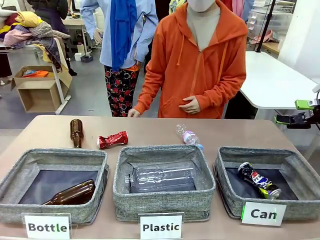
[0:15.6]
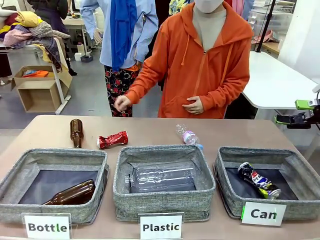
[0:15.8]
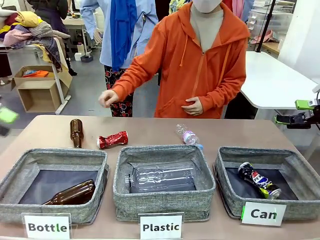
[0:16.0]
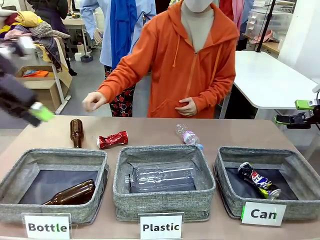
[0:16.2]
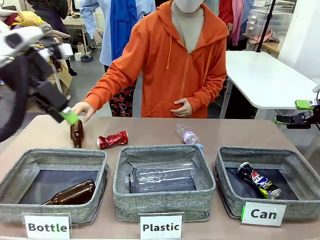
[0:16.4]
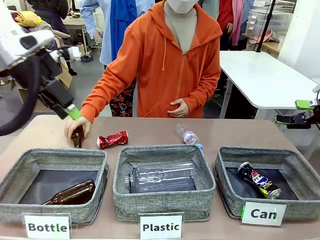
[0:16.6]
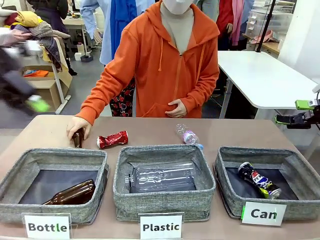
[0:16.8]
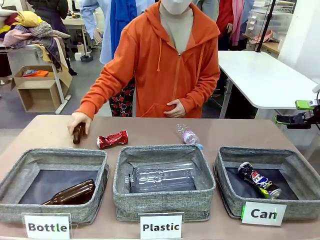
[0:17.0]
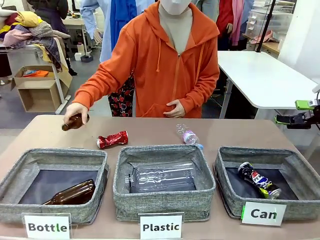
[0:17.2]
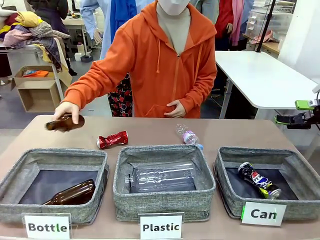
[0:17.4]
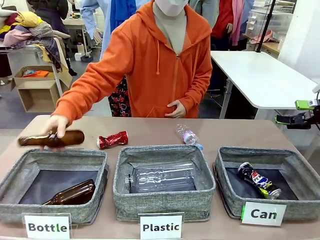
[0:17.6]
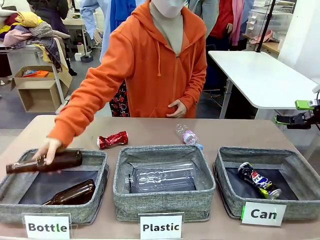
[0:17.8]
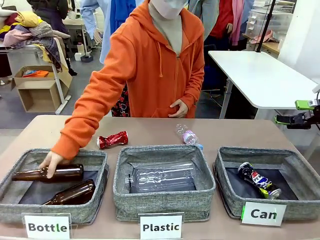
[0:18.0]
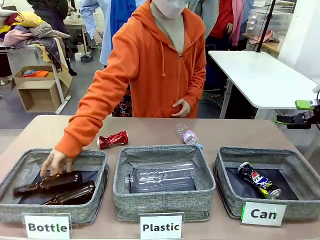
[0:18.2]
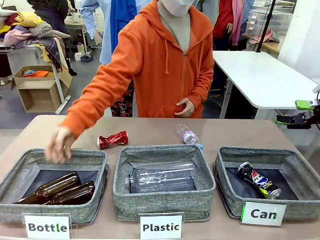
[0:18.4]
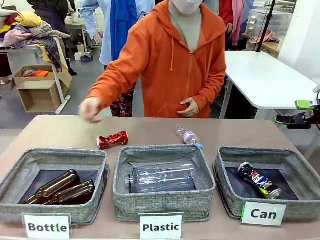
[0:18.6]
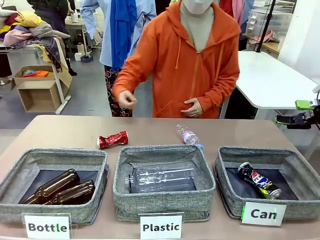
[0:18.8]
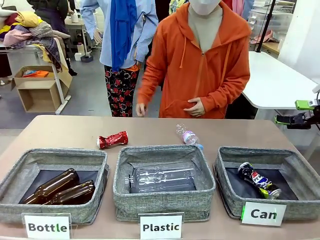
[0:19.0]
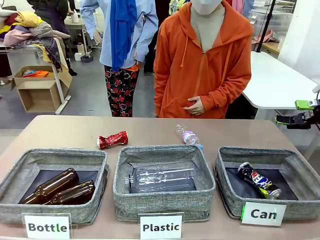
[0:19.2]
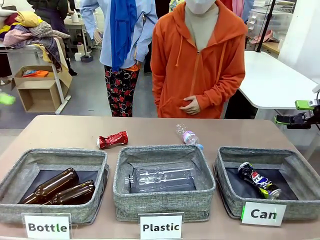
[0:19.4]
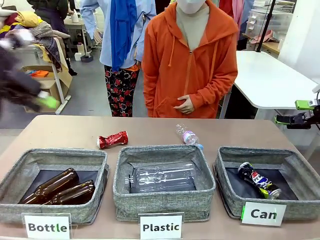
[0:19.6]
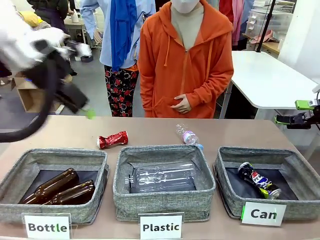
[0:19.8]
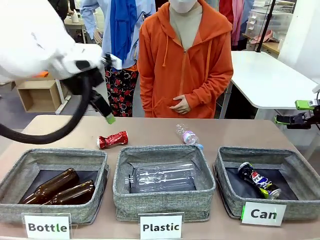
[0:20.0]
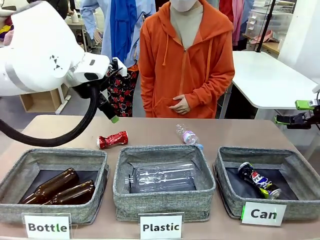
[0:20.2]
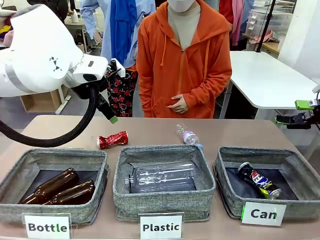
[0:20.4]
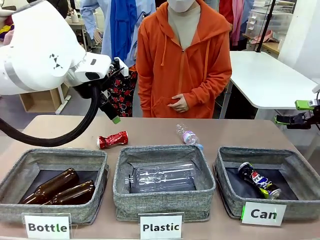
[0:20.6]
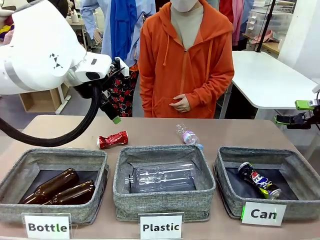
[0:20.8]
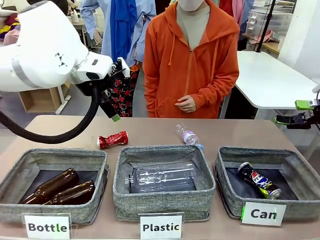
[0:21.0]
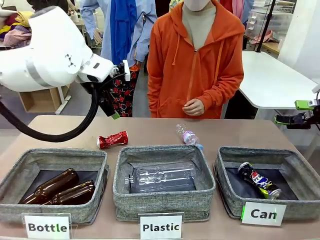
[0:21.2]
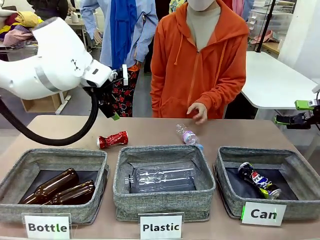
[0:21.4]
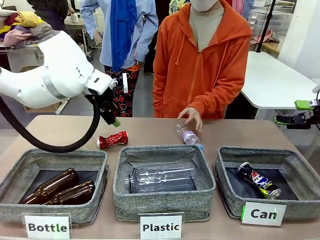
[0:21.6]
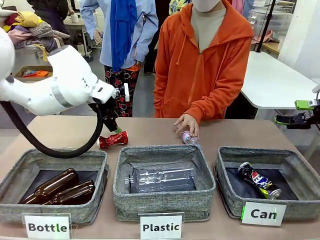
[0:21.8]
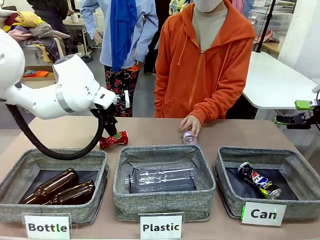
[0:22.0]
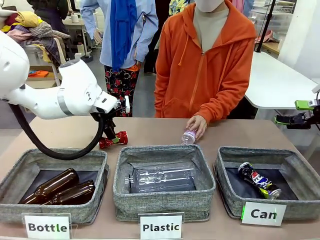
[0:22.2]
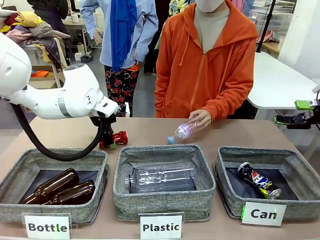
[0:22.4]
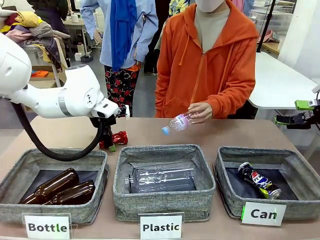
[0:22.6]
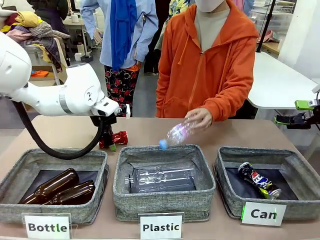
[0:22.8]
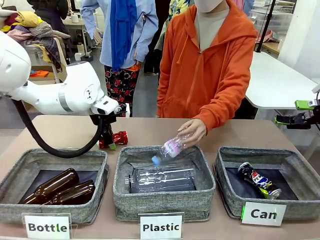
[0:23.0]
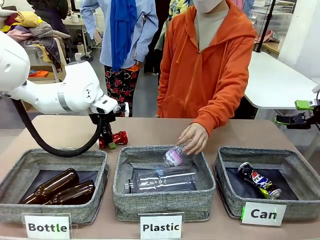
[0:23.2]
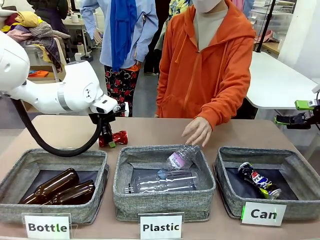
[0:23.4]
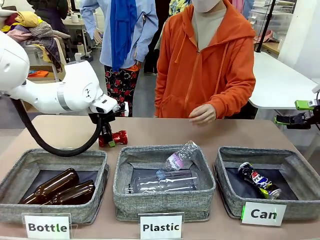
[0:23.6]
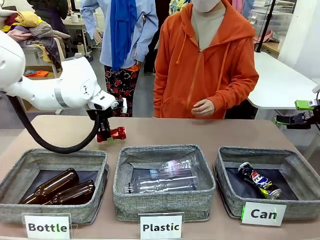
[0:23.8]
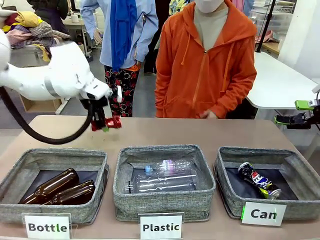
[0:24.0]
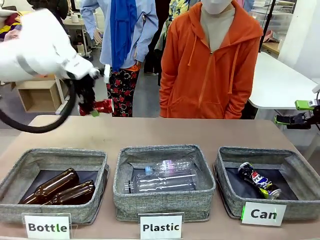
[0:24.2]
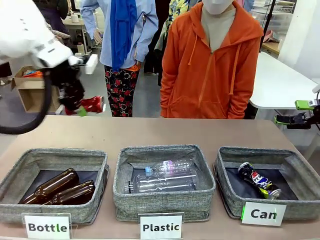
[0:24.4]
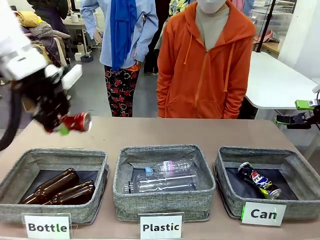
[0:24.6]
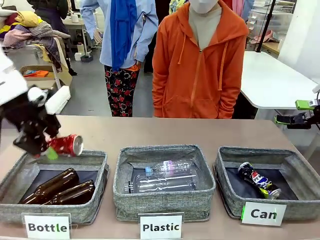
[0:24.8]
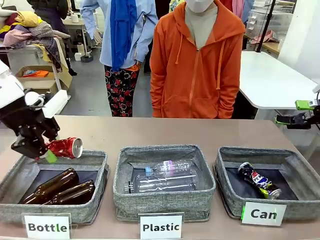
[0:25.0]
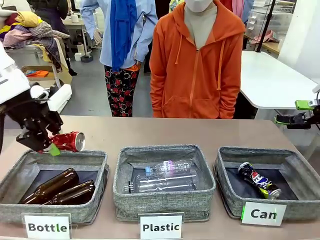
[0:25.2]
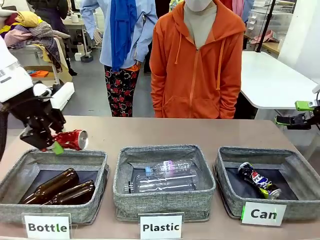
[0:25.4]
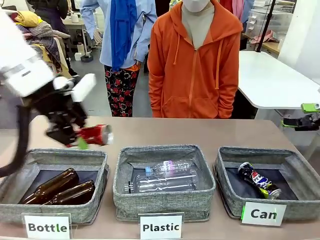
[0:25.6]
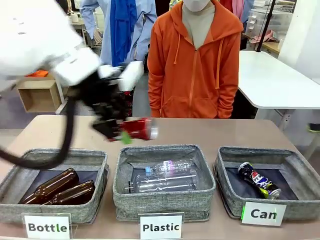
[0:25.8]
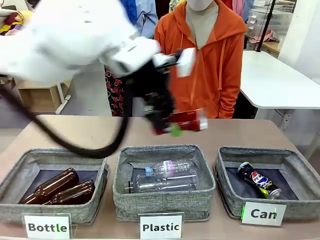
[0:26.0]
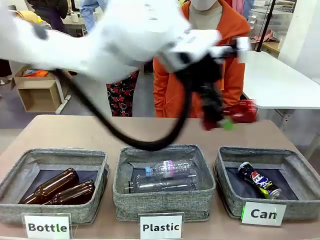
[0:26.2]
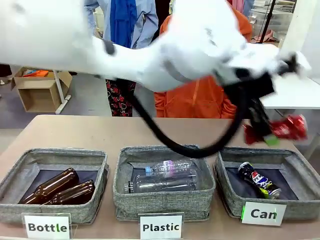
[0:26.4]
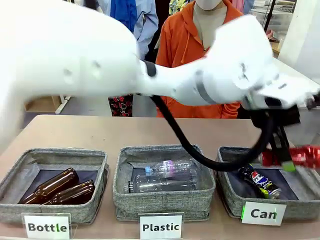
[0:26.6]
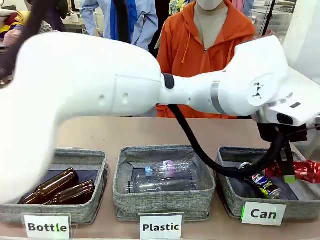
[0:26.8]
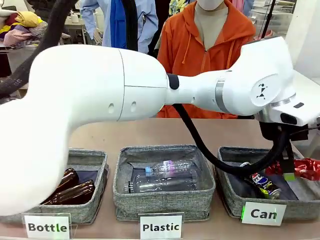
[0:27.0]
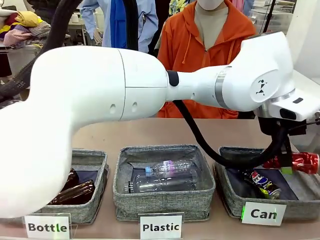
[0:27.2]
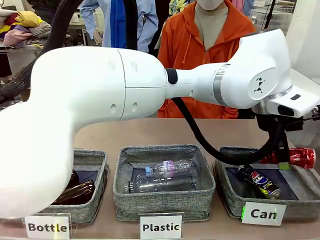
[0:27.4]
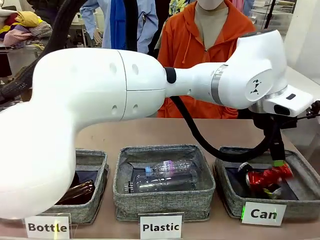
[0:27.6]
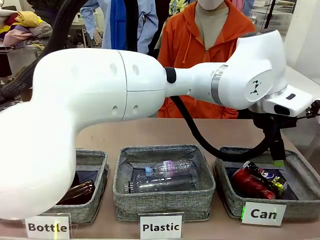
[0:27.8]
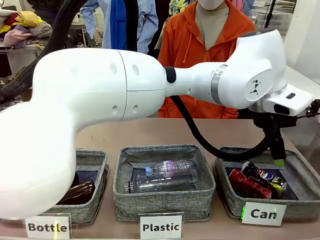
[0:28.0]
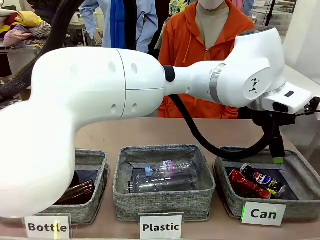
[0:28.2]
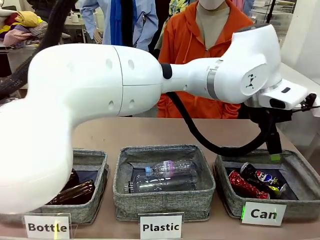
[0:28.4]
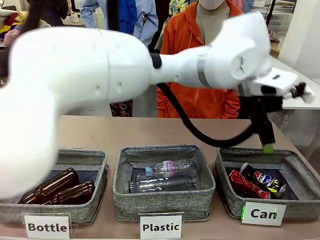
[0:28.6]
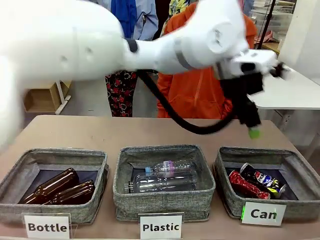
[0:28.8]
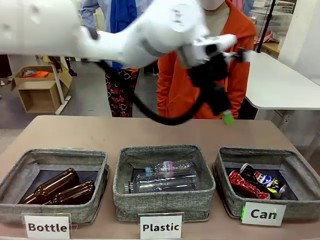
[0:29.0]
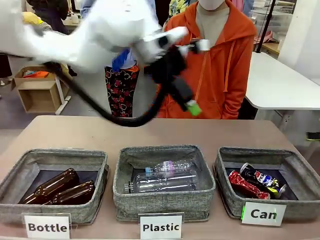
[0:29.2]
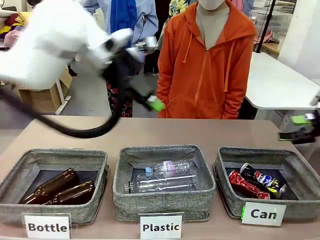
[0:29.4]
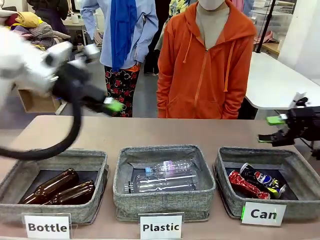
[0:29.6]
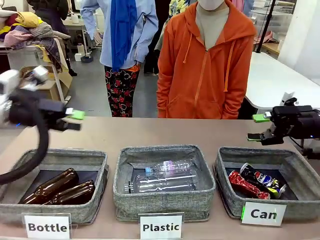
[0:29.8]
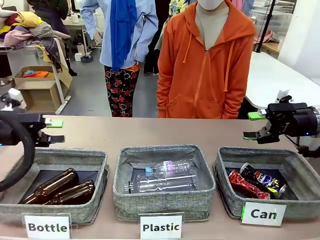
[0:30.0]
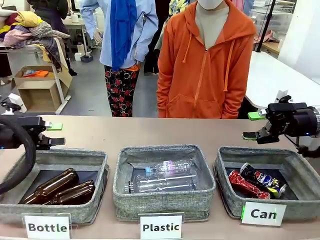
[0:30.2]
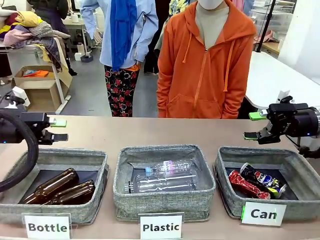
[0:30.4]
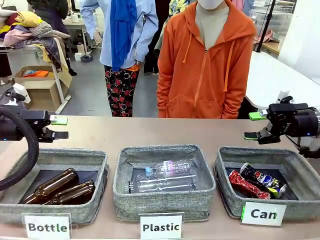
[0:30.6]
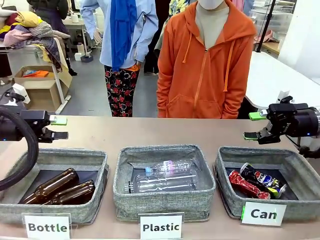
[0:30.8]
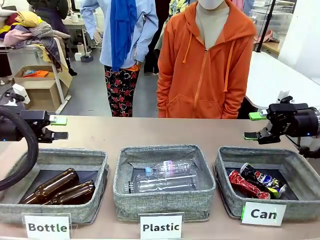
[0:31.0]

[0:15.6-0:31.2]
Task: Sort the can waste into the basket.
Robot: Pick up the can waste from the table and place it in the right Fabric basket.
